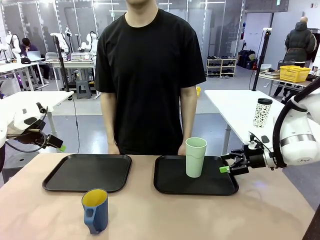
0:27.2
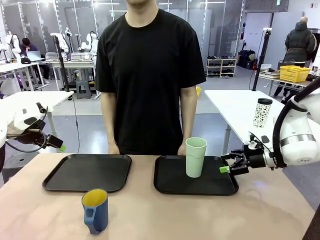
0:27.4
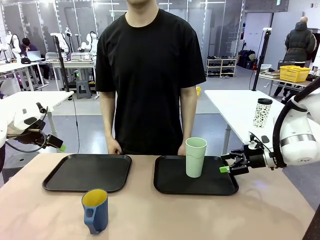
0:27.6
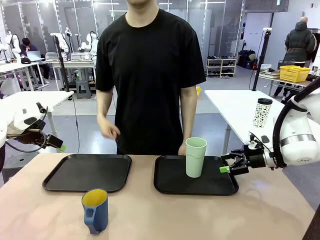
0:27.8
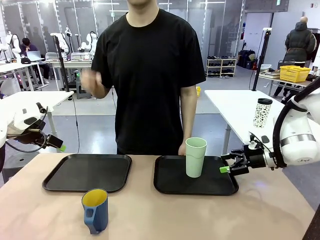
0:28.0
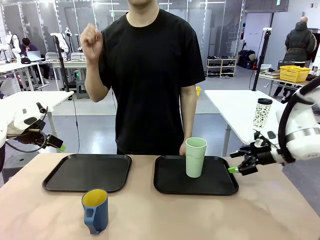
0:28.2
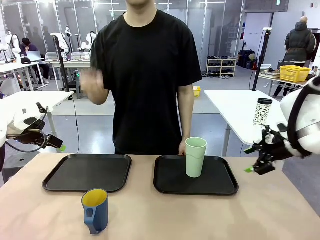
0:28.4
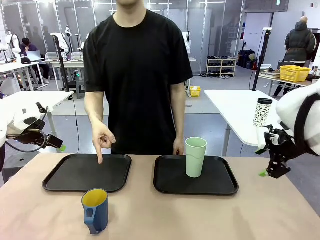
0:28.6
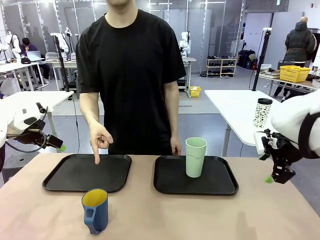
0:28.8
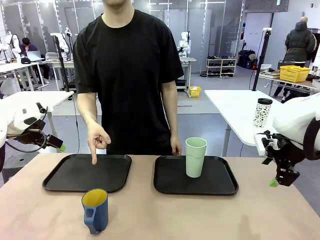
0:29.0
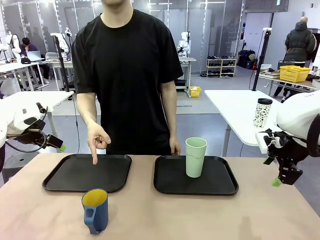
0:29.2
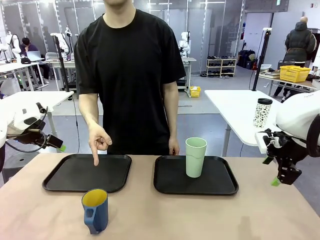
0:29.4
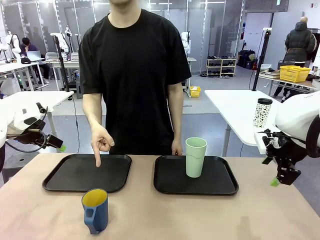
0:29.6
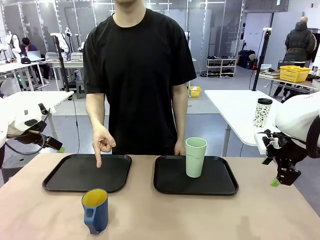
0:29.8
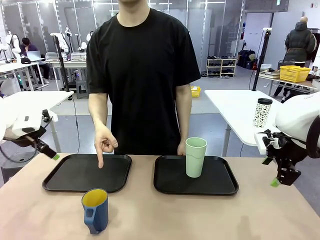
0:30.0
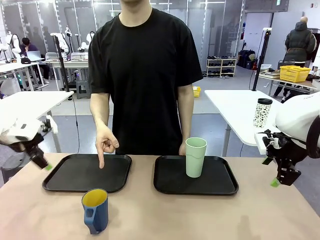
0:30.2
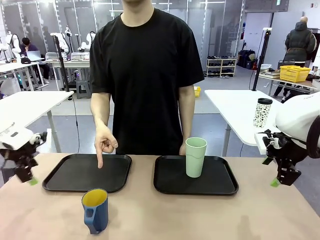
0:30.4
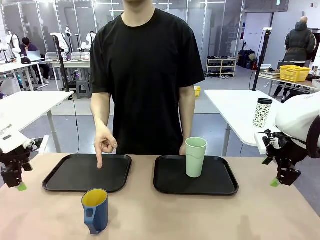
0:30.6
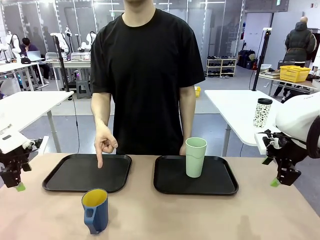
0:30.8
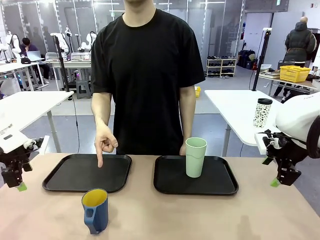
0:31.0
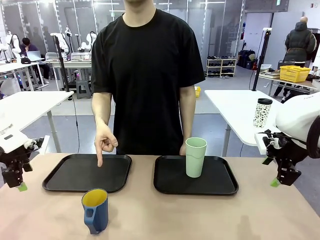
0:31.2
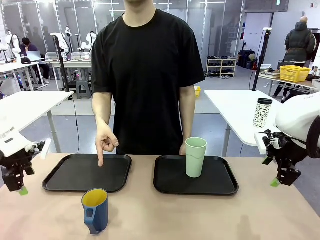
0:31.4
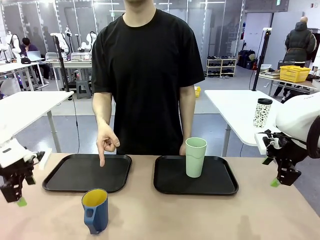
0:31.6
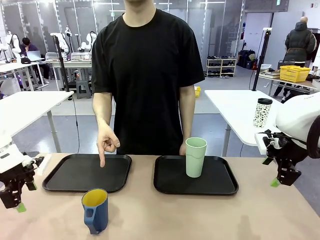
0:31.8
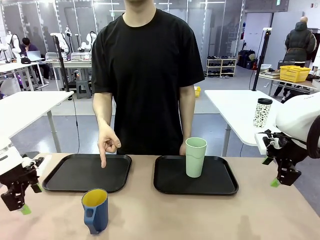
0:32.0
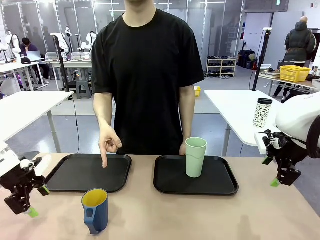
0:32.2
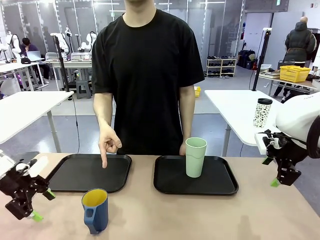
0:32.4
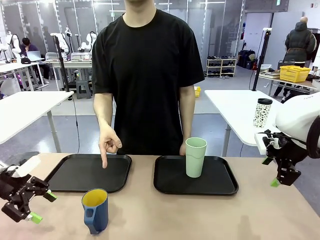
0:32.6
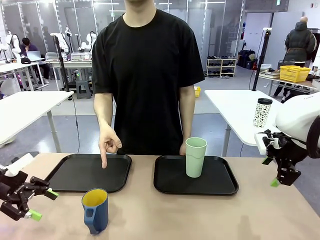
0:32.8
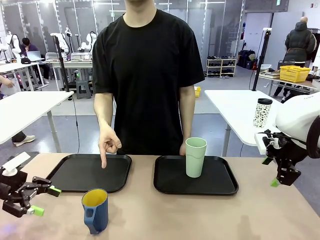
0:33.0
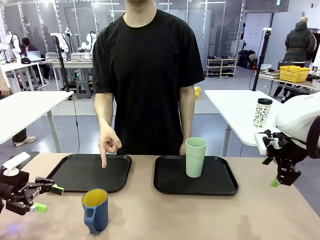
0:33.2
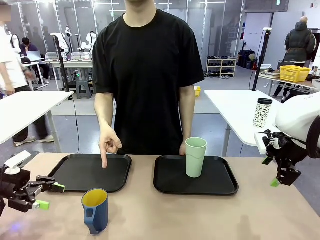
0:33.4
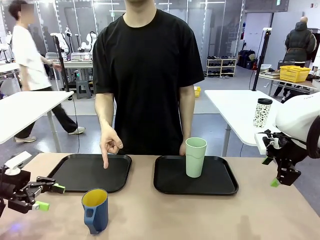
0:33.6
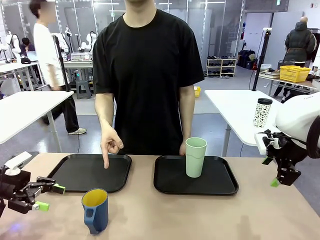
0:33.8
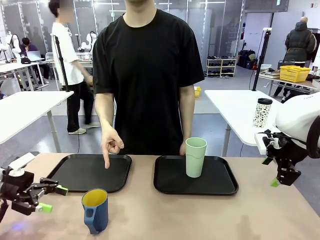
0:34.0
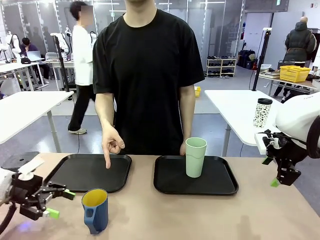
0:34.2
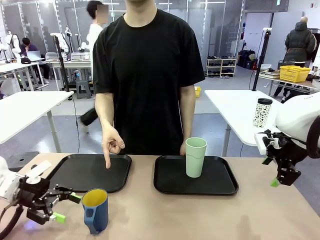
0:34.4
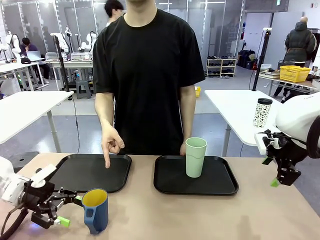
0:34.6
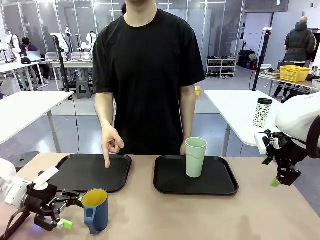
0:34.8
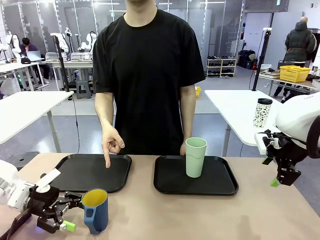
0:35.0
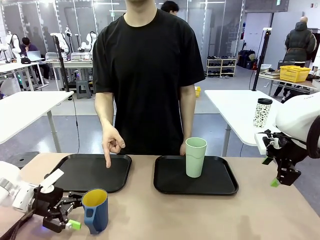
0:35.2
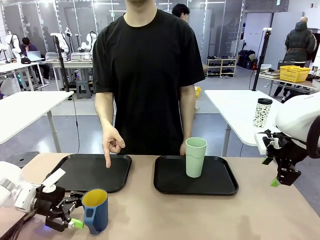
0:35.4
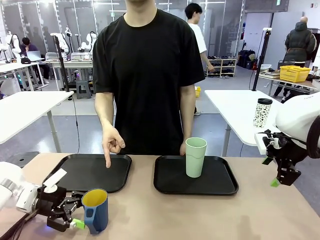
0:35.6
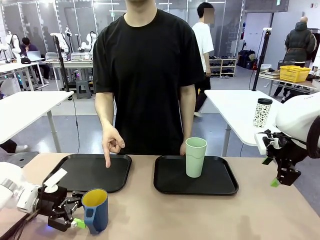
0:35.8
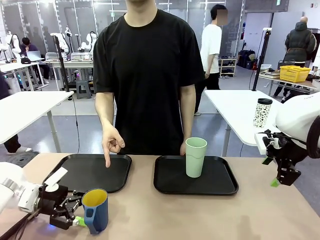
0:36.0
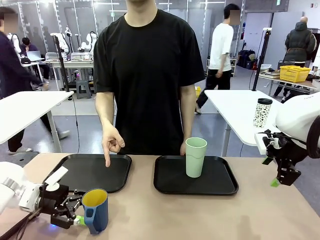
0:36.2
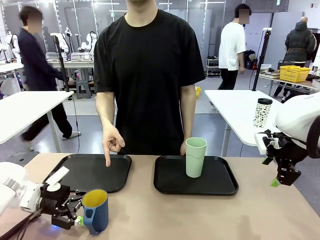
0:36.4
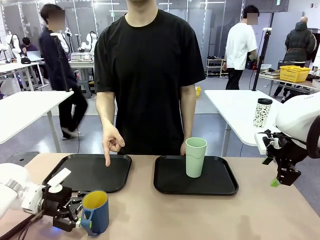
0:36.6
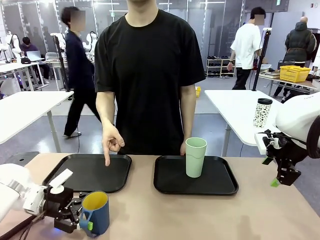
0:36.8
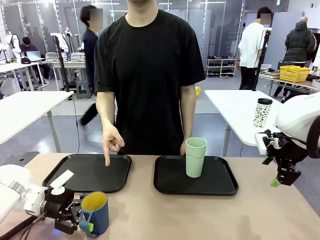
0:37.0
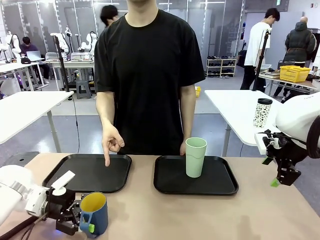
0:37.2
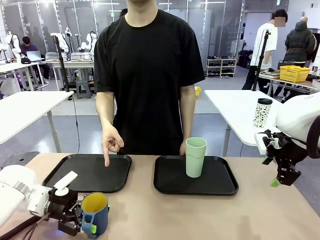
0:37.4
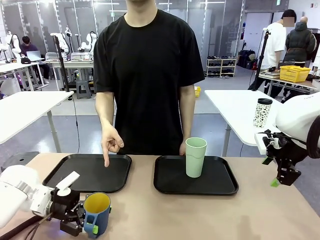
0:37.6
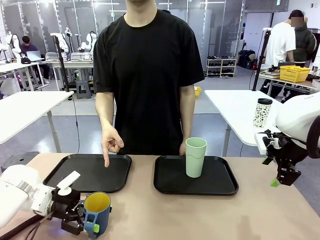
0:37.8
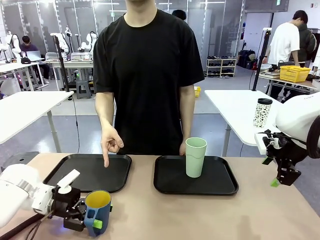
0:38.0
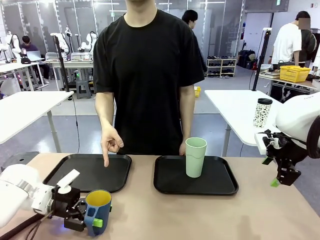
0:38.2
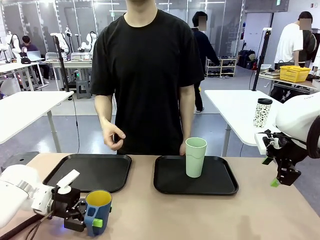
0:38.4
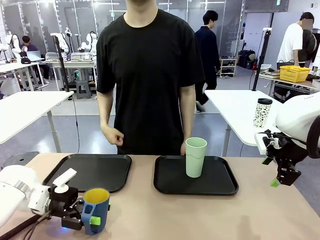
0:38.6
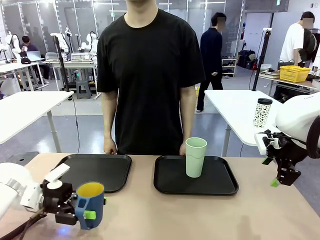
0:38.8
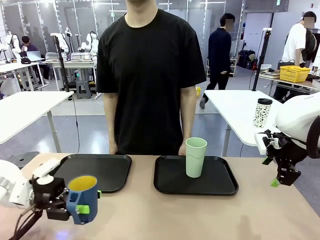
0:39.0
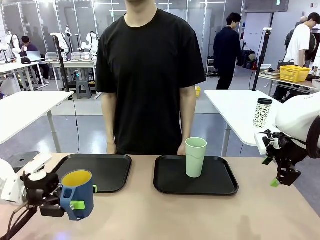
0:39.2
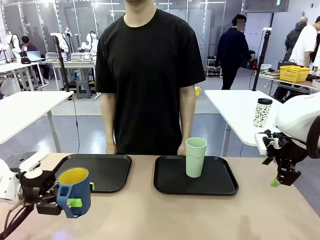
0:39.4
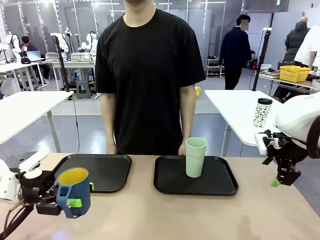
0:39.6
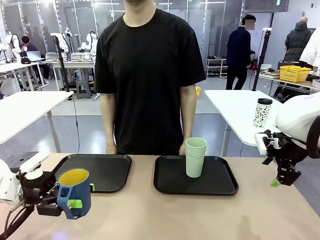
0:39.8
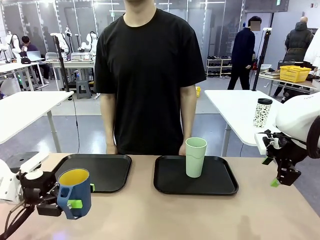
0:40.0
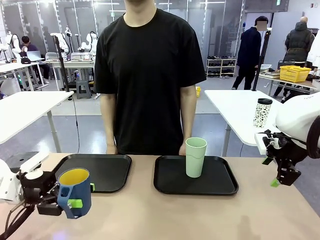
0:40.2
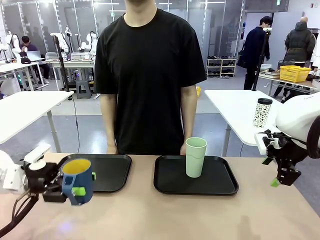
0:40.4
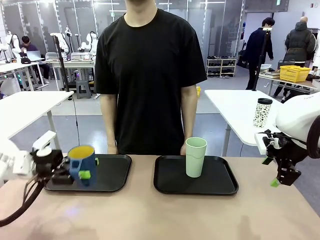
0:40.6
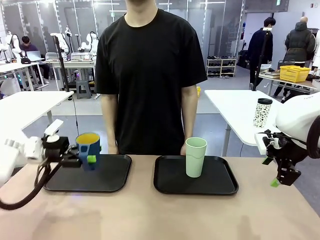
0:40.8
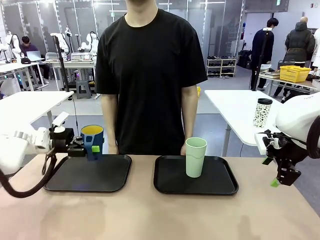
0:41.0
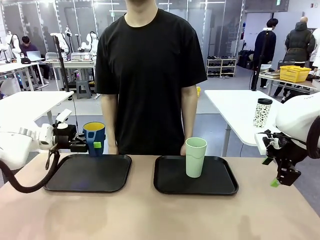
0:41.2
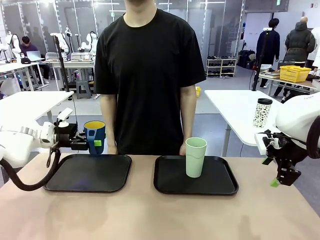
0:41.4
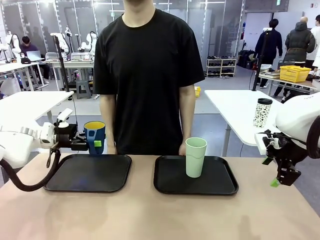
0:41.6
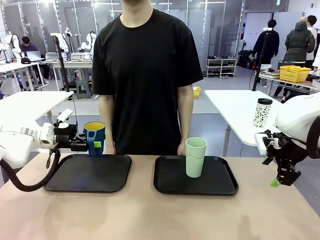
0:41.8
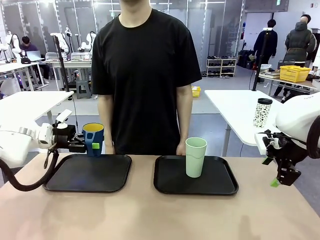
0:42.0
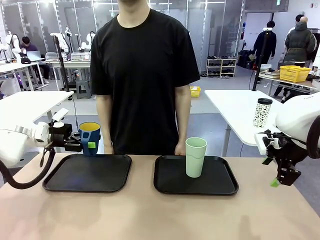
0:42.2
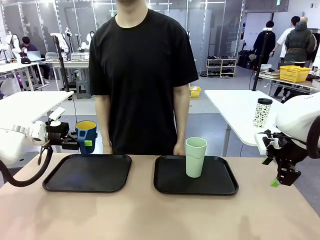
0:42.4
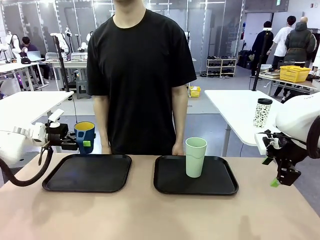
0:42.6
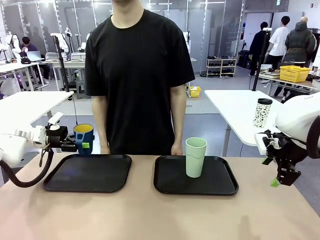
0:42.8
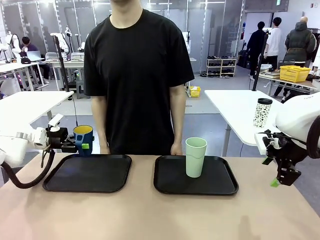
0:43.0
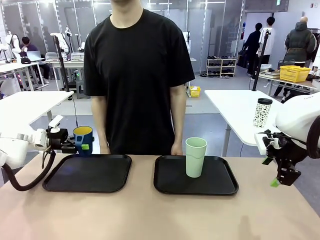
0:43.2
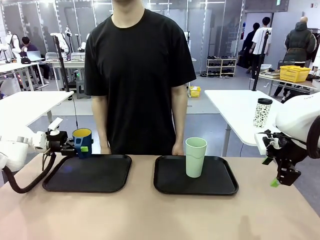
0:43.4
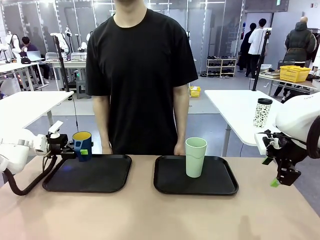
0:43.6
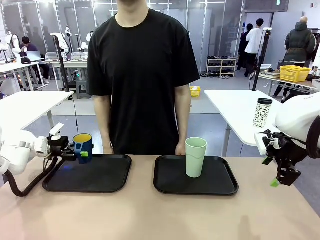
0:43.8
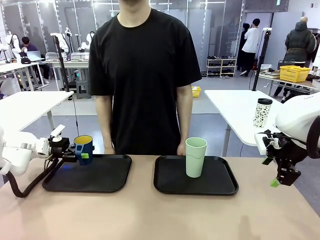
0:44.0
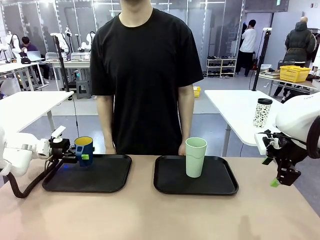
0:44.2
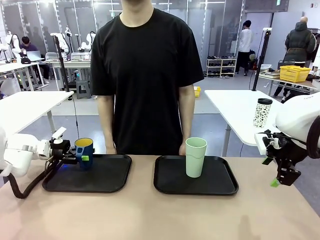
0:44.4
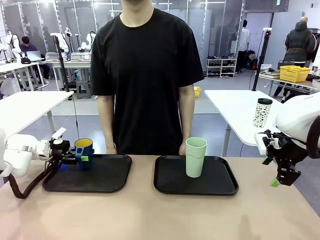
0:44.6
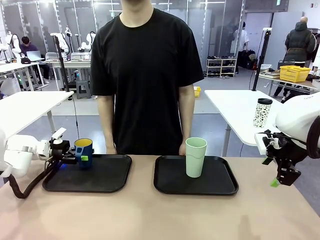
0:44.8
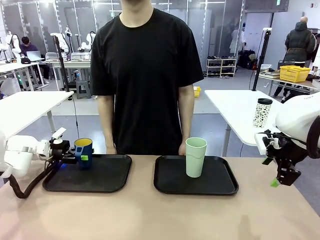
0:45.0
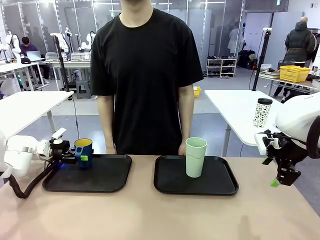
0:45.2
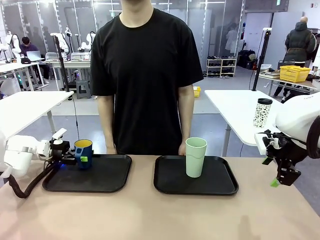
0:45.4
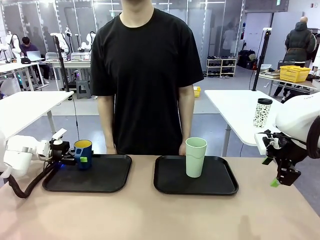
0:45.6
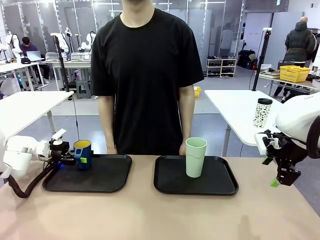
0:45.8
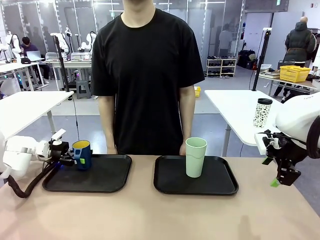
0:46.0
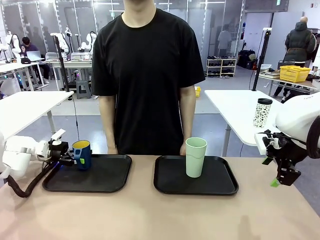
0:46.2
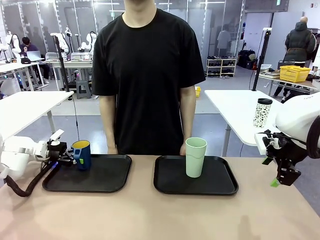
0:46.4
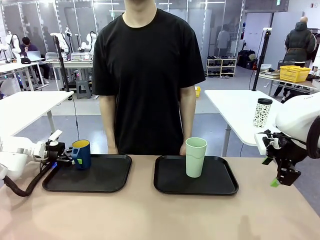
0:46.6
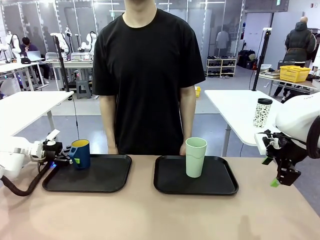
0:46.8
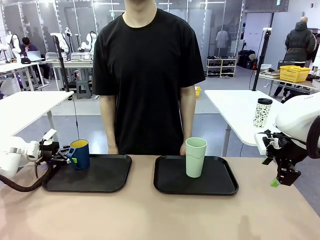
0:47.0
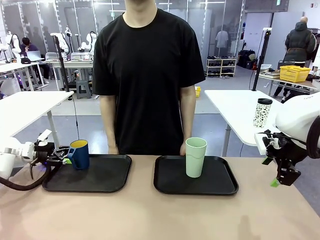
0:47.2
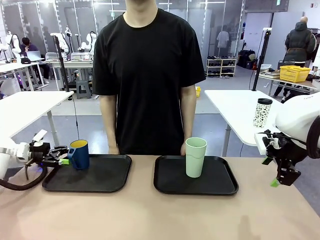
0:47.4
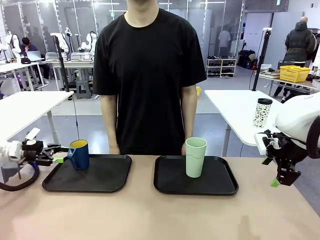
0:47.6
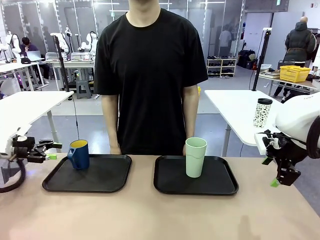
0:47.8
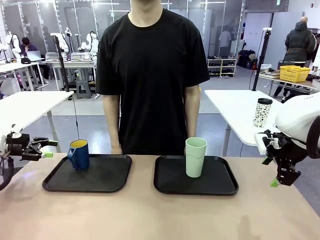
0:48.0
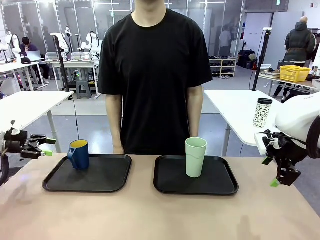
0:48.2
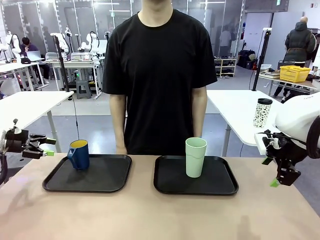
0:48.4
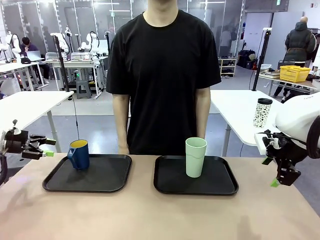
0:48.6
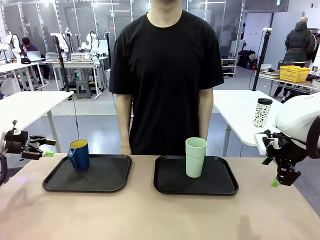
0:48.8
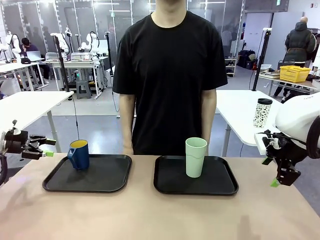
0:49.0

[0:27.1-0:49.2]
Task: Sort and store the cups by type.
Robot: Pick up the Handle plastic cup and place it into the empty Flat Tray.
Person: Points to the cup with a handle.
